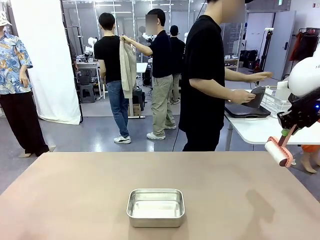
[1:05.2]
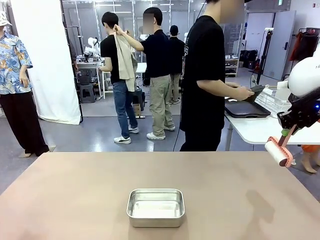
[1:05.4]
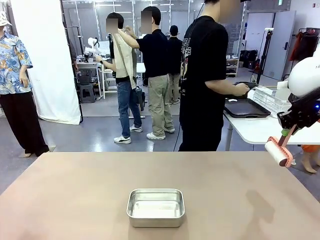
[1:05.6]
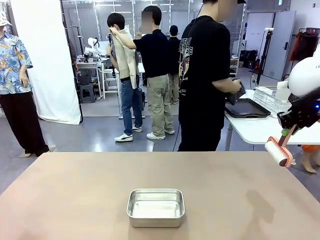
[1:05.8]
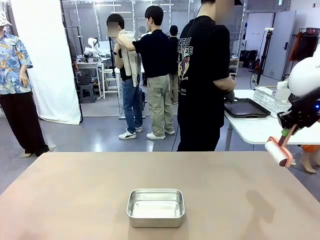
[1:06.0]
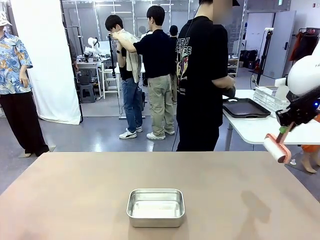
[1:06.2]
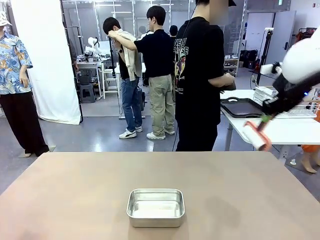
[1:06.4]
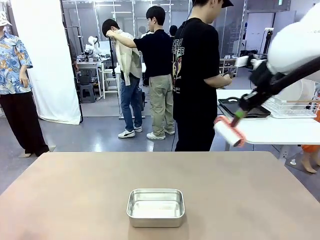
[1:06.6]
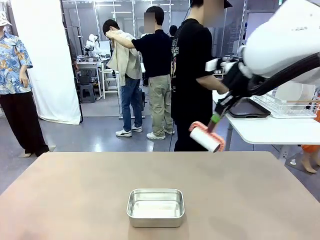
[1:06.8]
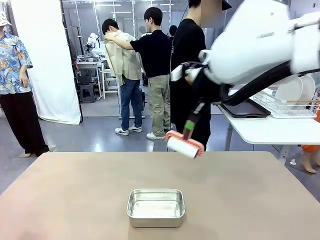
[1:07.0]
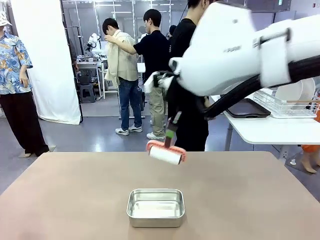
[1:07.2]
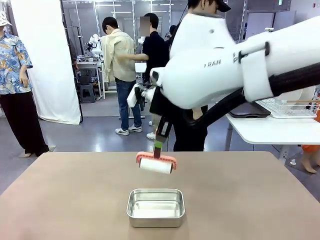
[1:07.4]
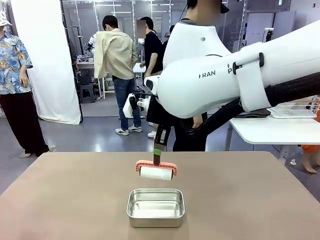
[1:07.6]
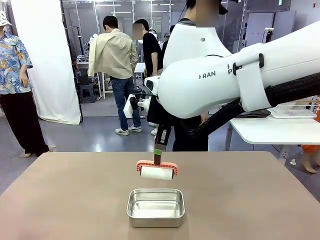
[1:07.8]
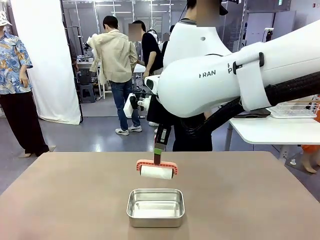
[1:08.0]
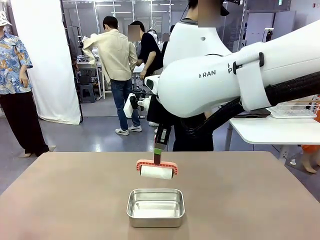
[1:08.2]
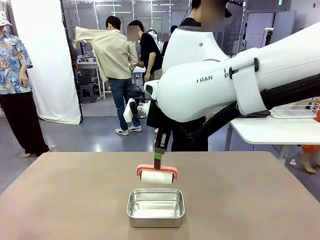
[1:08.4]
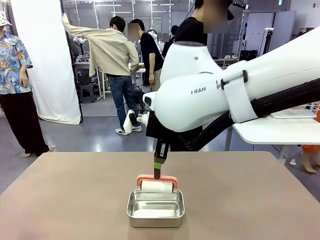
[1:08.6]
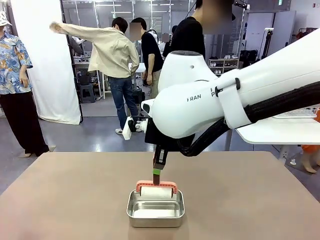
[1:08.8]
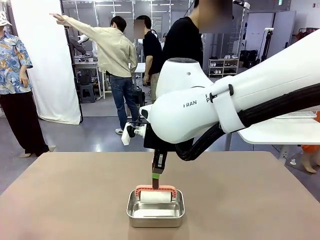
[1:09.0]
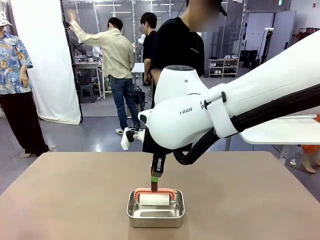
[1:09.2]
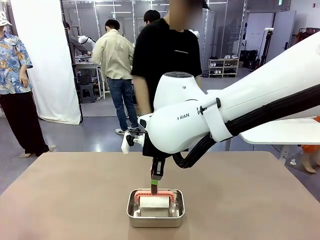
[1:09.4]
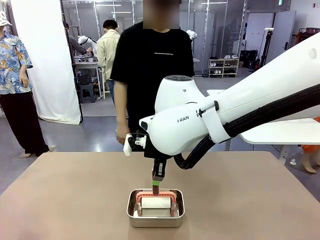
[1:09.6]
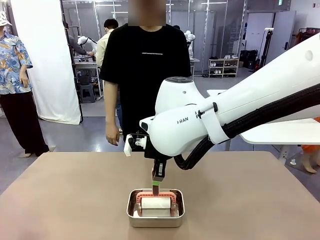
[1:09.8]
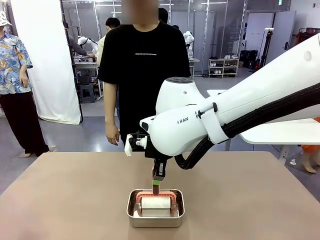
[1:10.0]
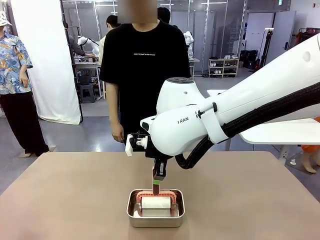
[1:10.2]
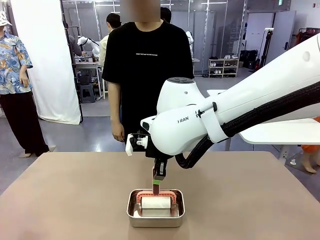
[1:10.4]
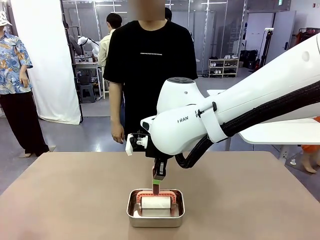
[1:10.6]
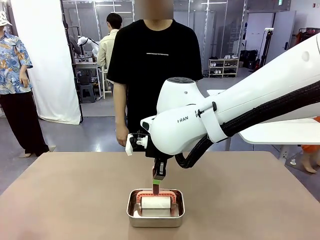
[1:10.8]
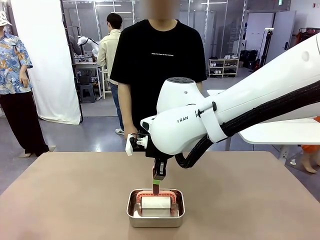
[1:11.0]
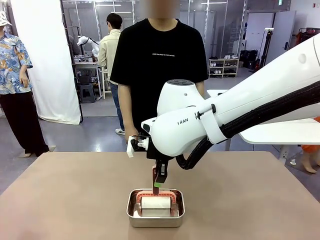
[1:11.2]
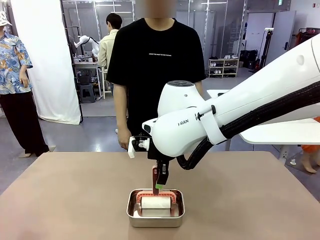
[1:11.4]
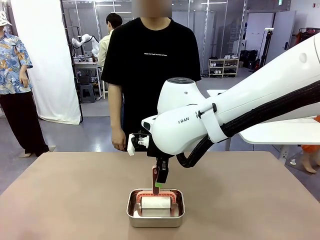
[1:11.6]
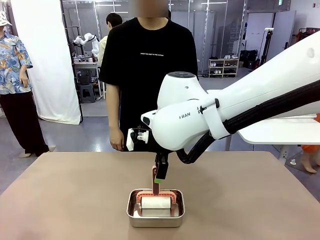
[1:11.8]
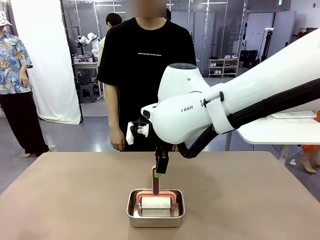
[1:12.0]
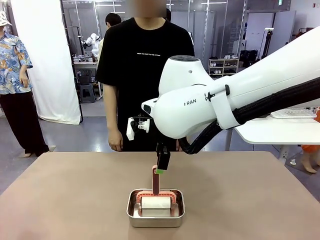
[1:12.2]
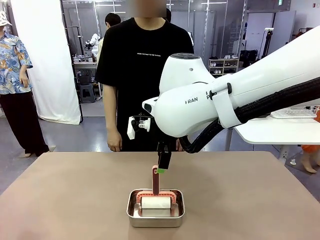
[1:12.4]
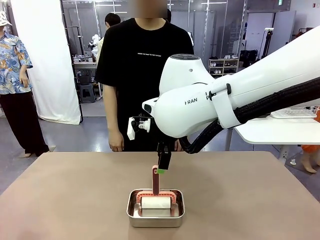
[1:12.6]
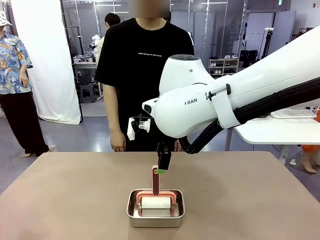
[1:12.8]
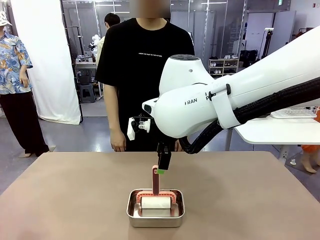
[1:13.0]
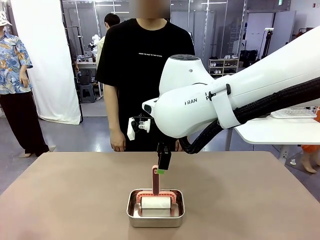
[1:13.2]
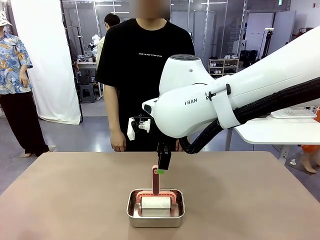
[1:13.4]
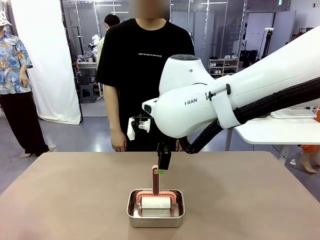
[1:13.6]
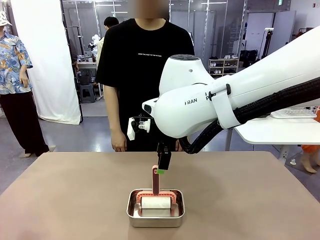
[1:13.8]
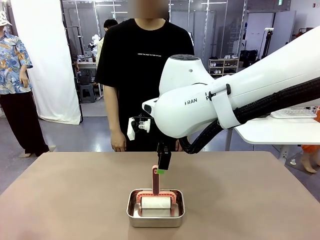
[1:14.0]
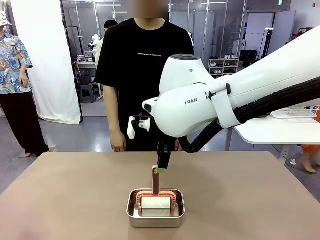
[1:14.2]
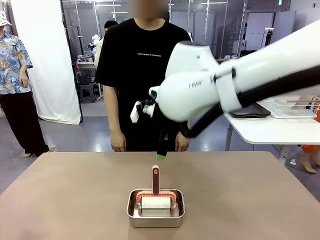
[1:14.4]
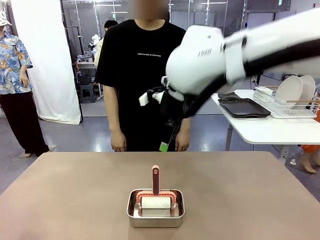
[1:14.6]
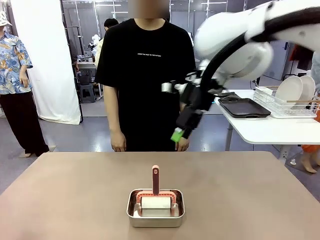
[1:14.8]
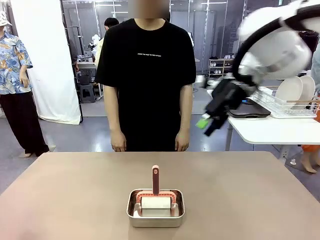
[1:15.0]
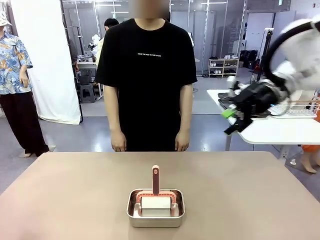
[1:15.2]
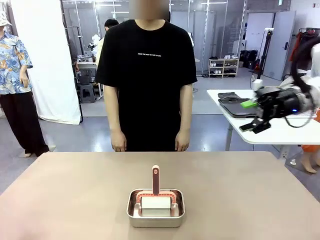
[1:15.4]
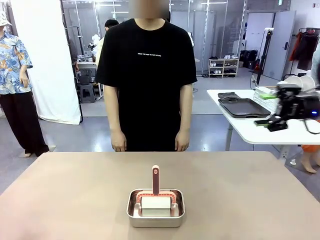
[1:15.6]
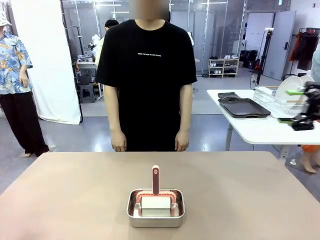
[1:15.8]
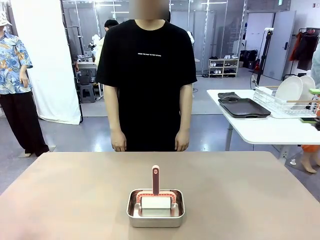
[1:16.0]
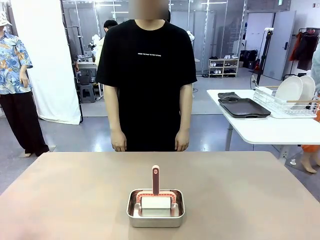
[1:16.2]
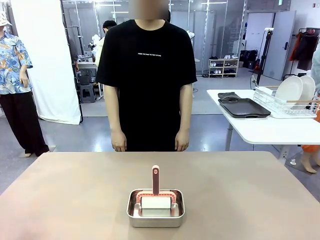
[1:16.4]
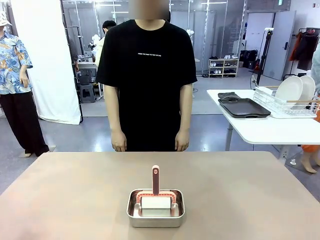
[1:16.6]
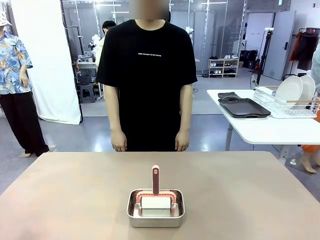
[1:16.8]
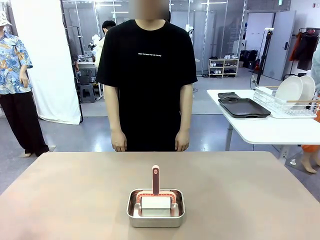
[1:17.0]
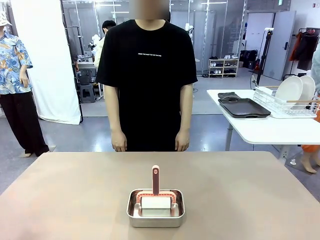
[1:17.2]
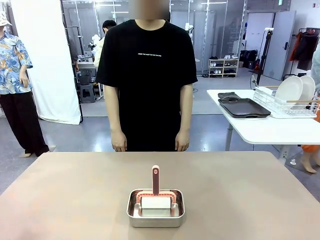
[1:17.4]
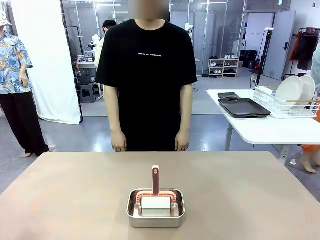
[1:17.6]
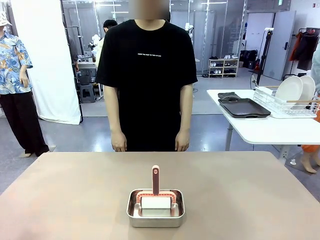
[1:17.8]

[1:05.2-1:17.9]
Robot: Place the Lint Roller back on top of the Airtight Container.

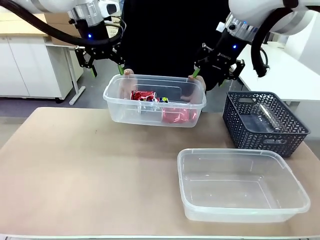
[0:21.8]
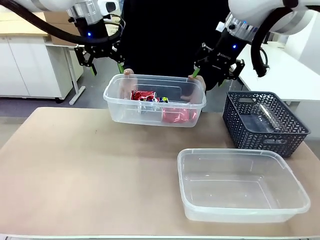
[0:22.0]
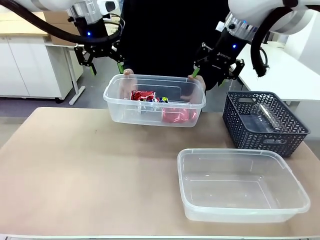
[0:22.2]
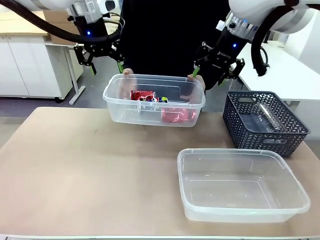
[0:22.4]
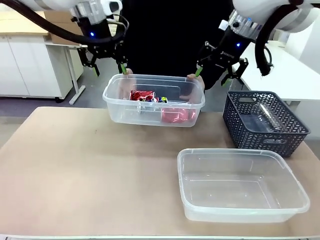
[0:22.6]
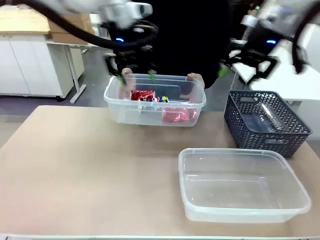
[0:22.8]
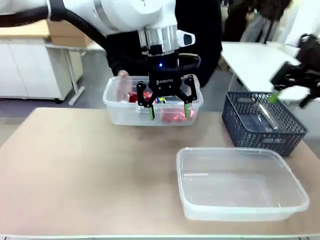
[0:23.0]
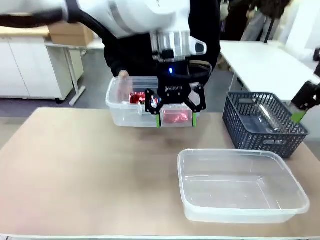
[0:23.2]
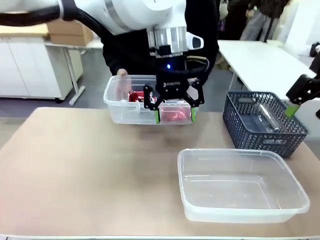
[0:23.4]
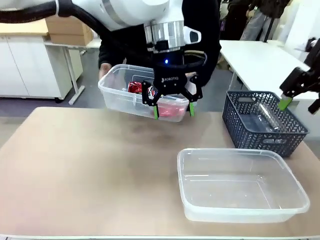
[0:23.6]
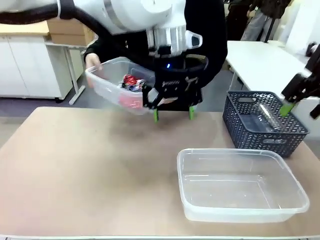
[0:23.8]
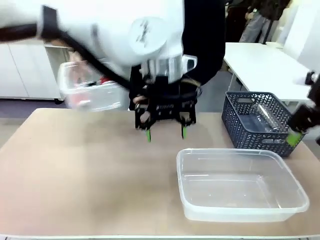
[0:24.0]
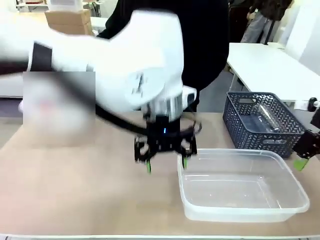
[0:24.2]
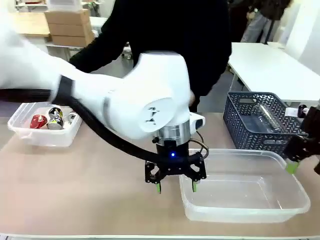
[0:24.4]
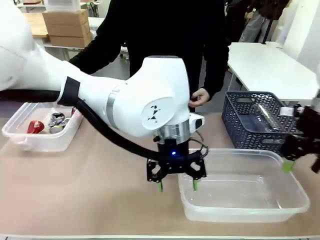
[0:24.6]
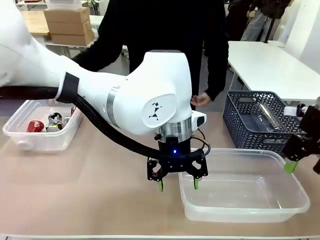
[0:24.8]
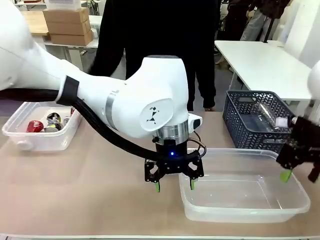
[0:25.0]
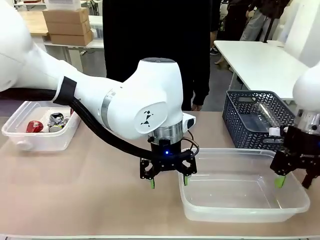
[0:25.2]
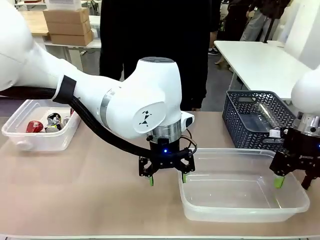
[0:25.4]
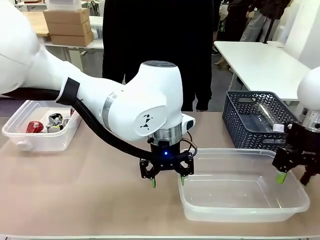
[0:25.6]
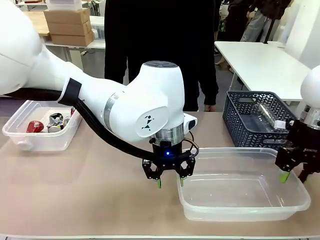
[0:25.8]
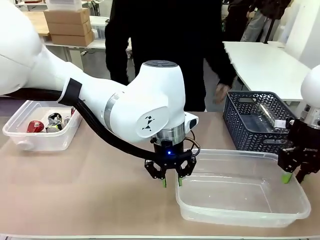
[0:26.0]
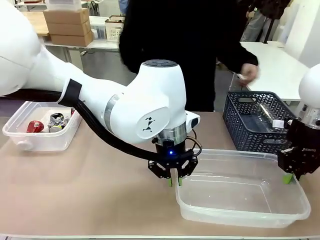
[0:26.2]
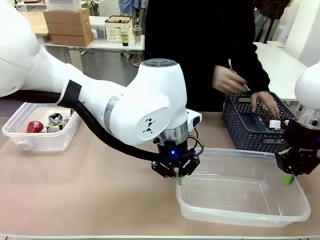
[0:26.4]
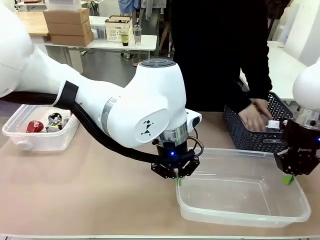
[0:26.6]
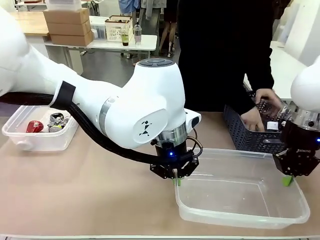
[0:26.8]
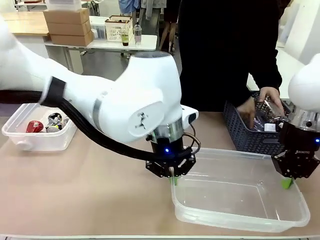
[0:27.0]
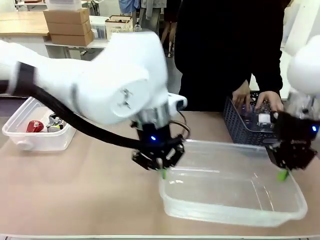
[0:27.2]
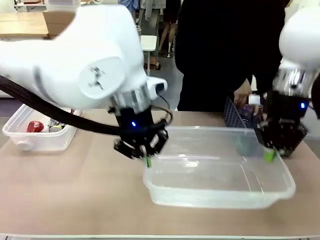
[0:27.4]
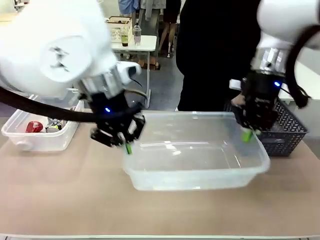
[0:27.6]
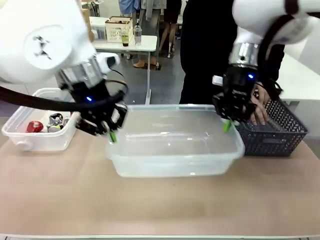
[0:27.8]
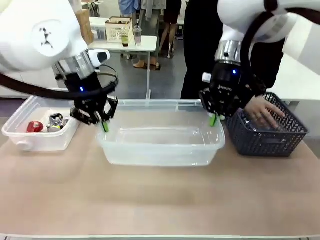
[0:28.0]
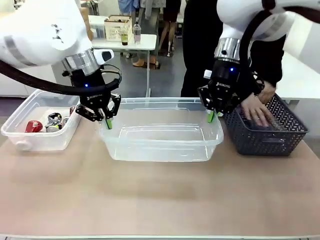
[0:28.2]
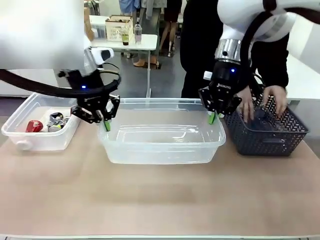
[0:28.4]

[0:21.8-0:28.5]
Robot: Pick up the Organizing box on the right side of the table and lift it.
Person: Place it at the edge of the bottom right area of the robot table.
